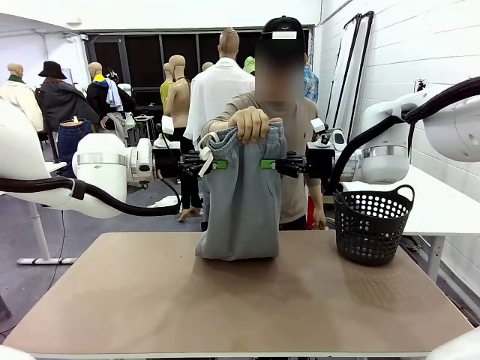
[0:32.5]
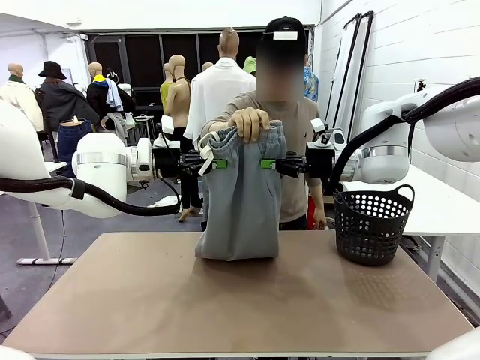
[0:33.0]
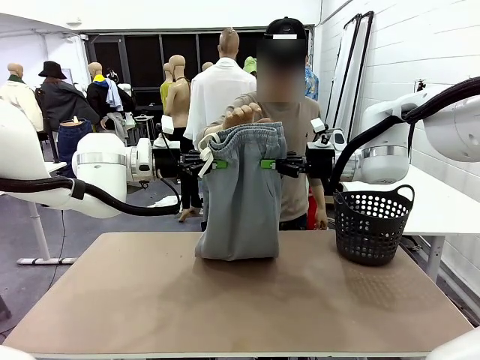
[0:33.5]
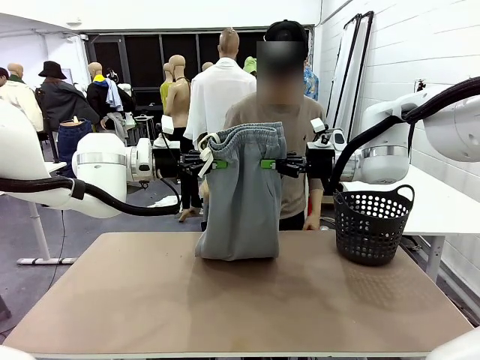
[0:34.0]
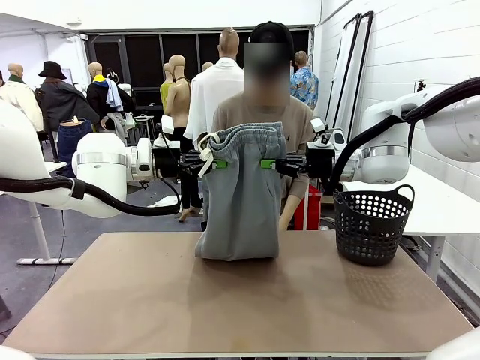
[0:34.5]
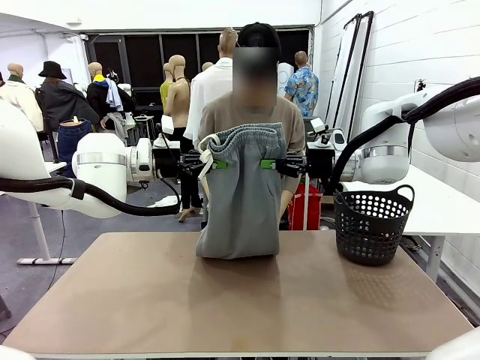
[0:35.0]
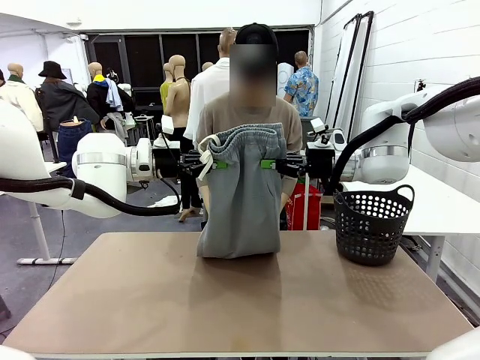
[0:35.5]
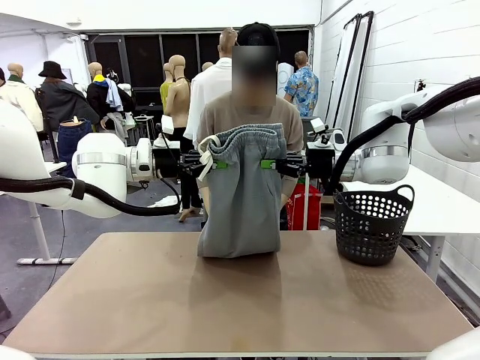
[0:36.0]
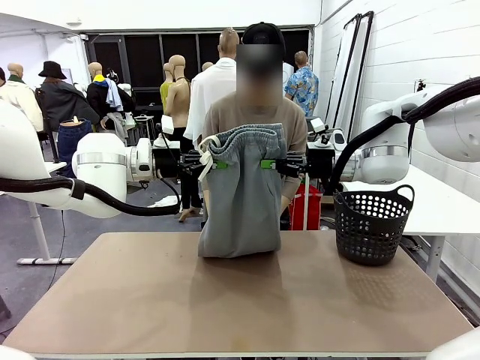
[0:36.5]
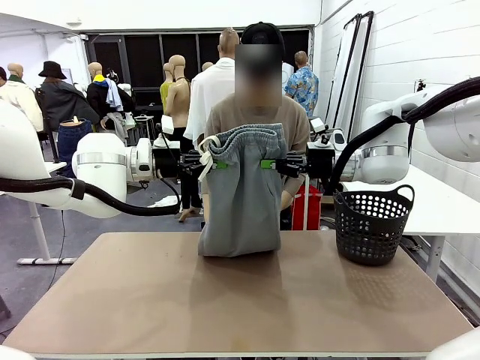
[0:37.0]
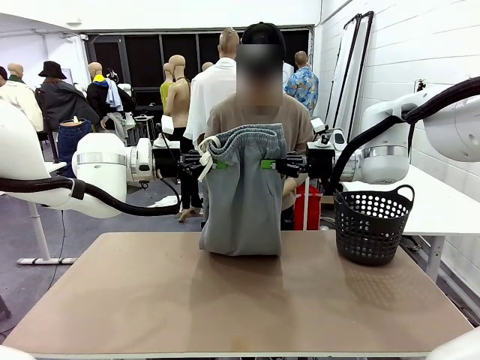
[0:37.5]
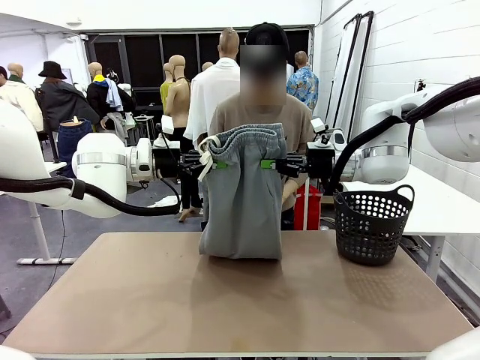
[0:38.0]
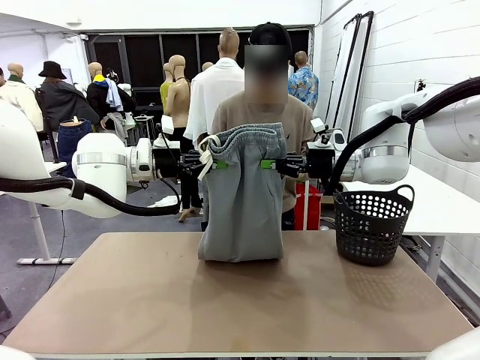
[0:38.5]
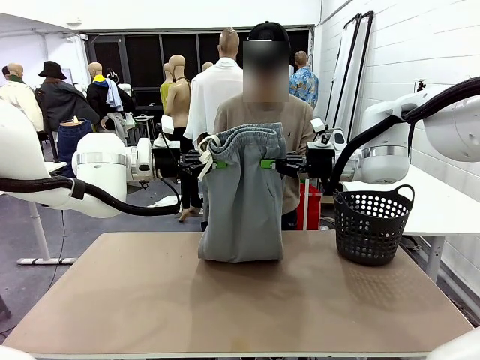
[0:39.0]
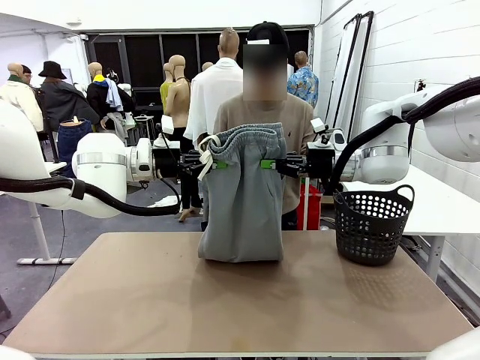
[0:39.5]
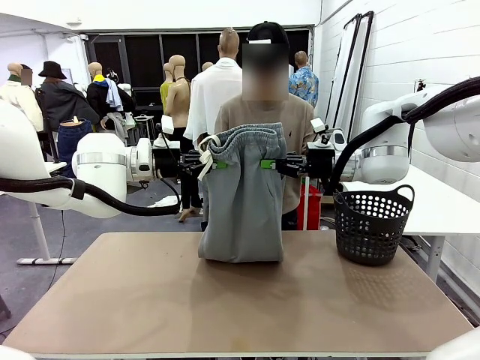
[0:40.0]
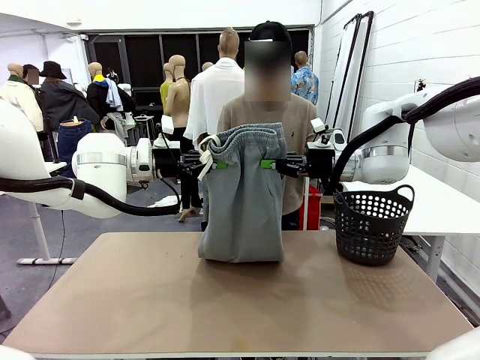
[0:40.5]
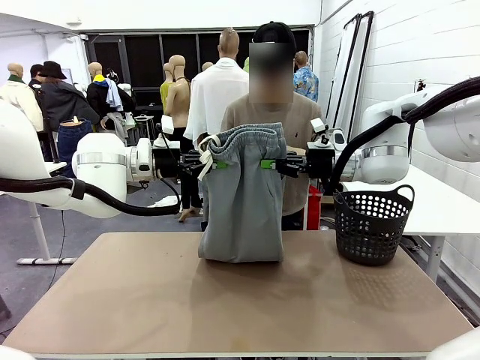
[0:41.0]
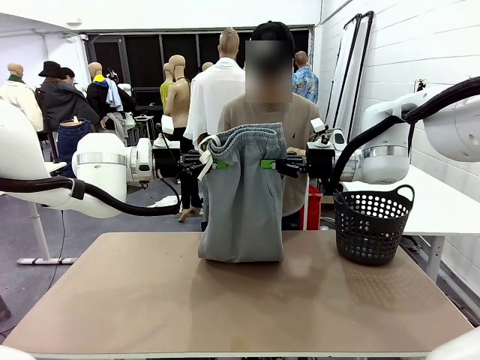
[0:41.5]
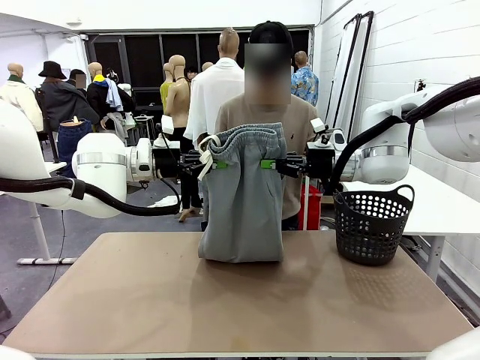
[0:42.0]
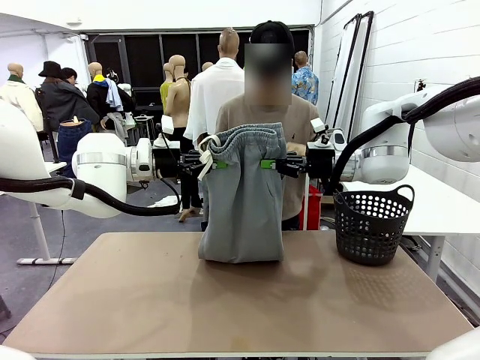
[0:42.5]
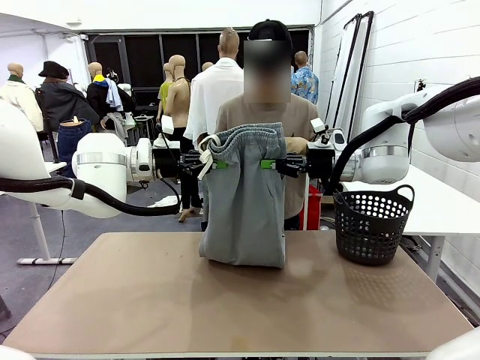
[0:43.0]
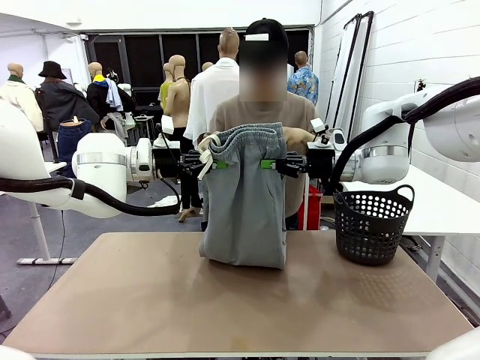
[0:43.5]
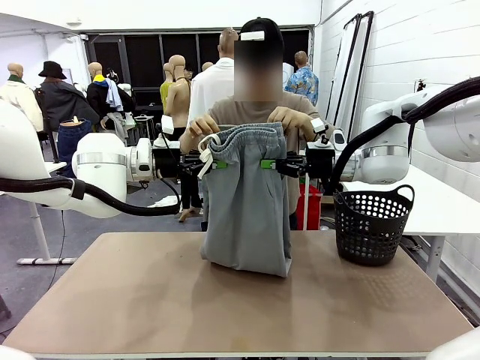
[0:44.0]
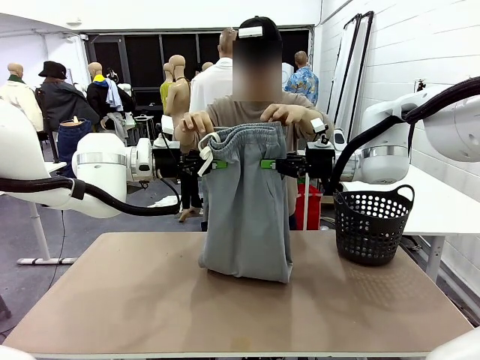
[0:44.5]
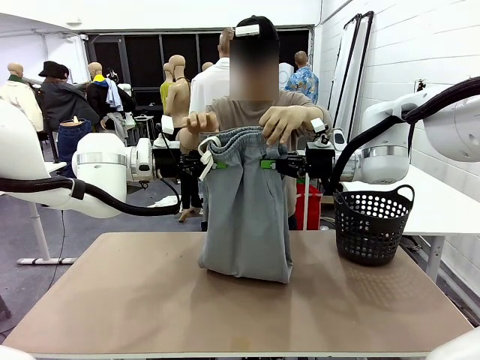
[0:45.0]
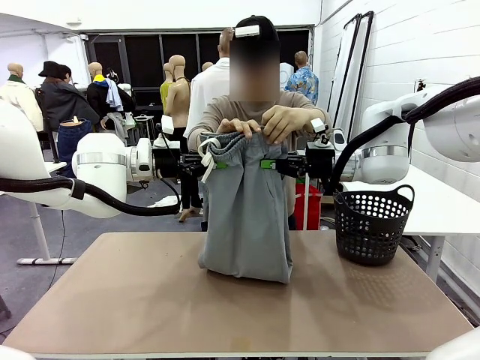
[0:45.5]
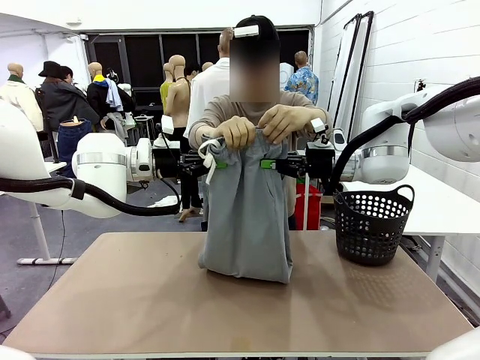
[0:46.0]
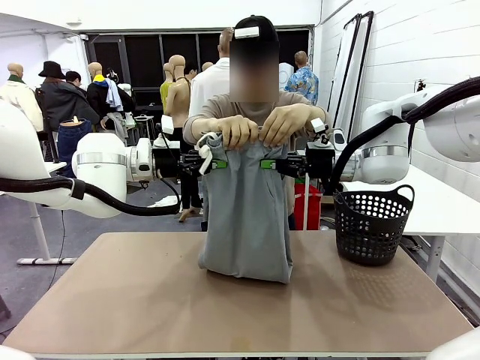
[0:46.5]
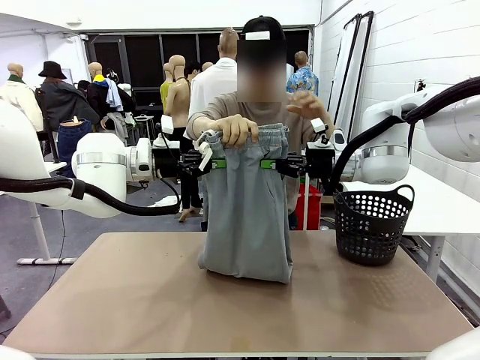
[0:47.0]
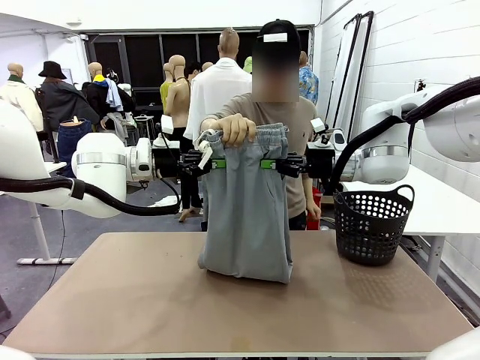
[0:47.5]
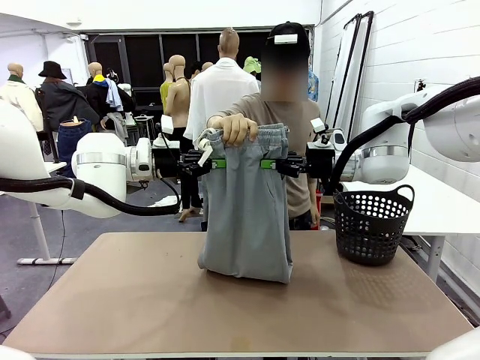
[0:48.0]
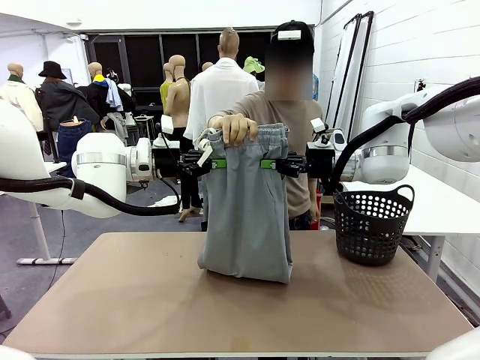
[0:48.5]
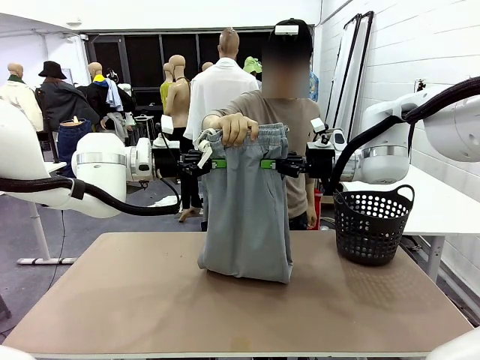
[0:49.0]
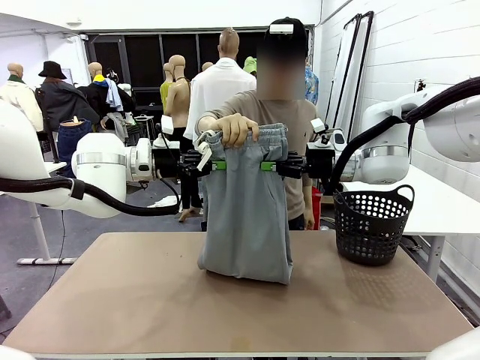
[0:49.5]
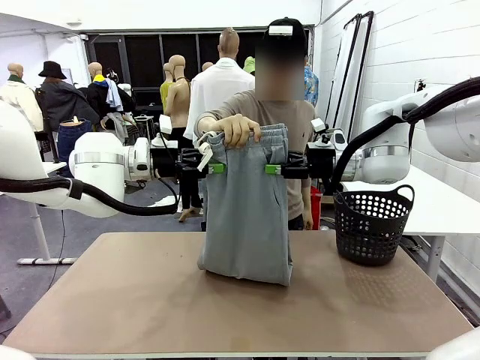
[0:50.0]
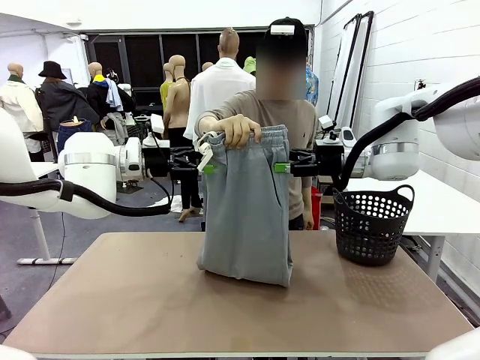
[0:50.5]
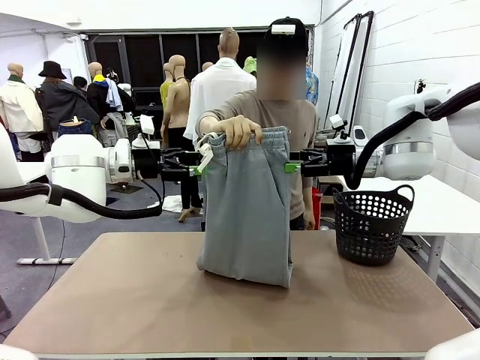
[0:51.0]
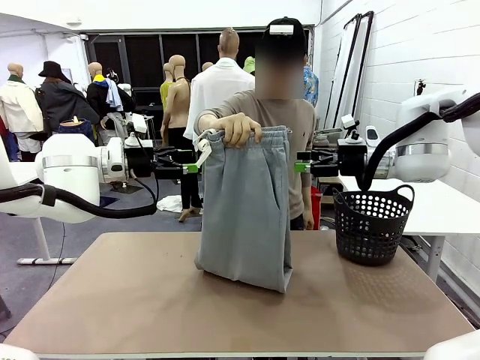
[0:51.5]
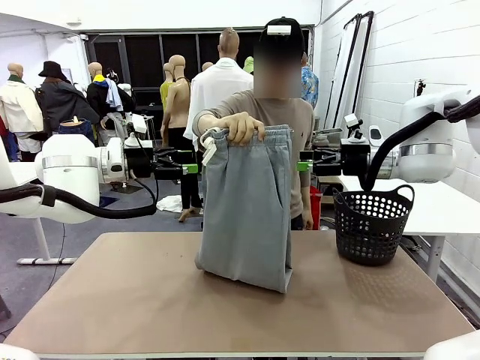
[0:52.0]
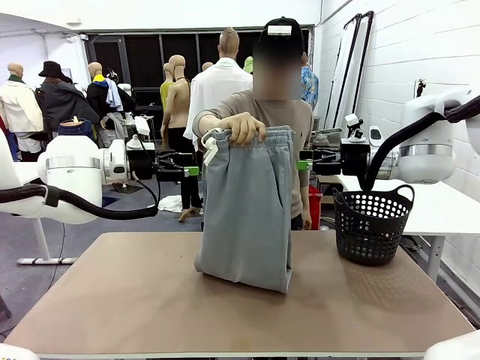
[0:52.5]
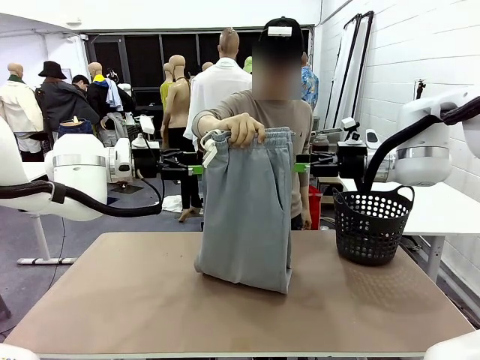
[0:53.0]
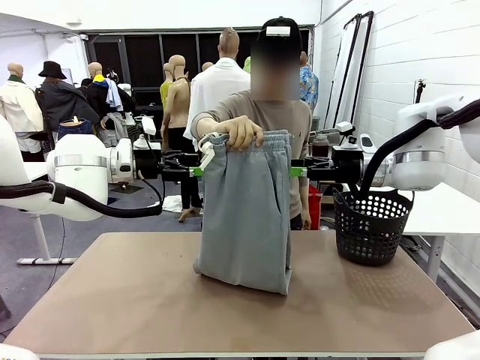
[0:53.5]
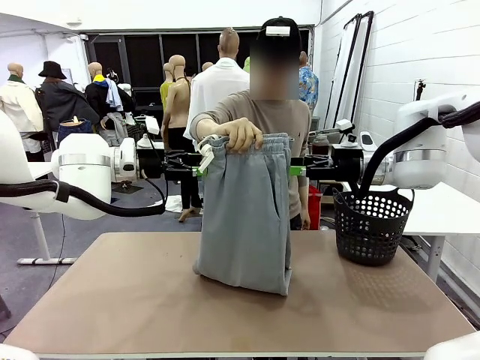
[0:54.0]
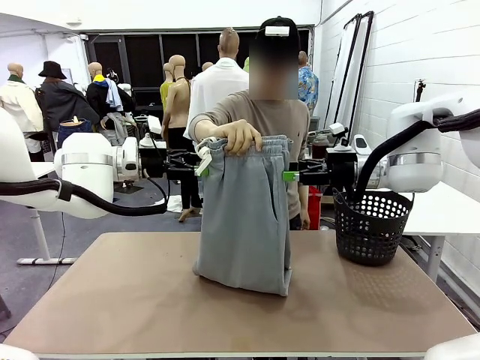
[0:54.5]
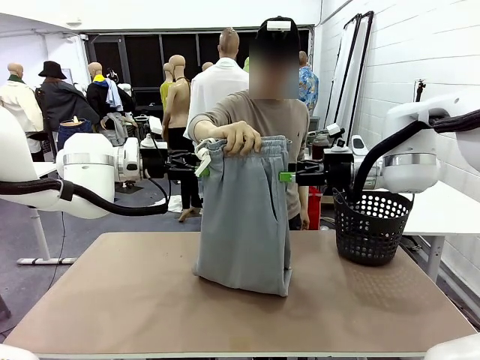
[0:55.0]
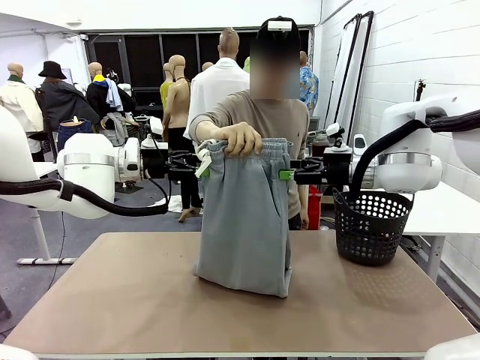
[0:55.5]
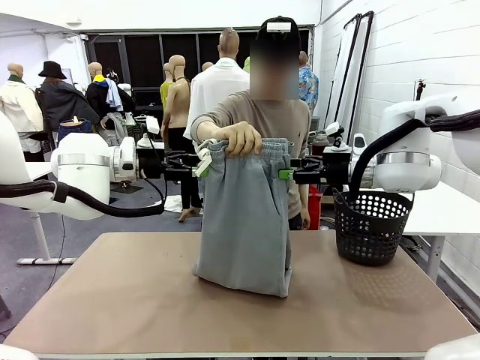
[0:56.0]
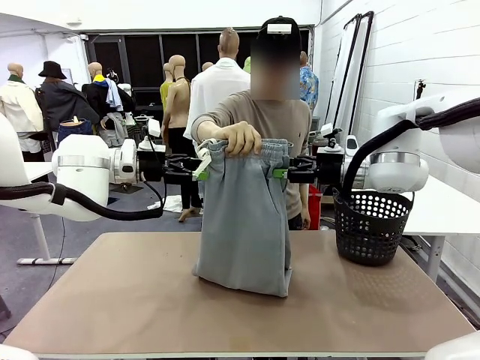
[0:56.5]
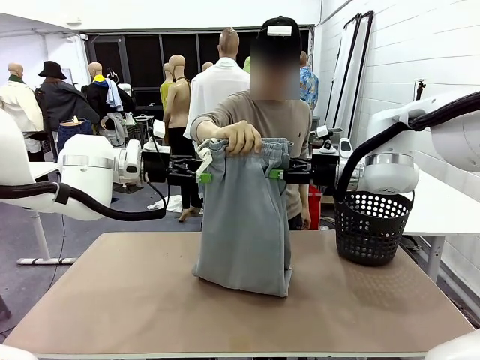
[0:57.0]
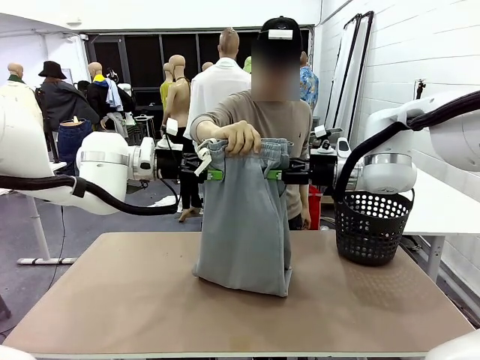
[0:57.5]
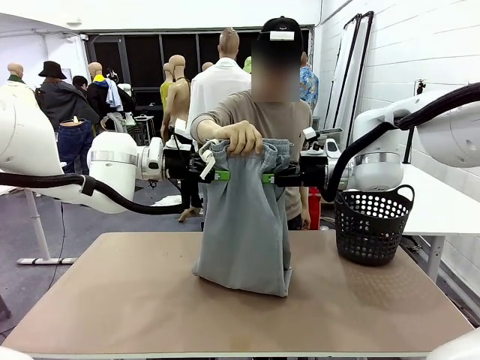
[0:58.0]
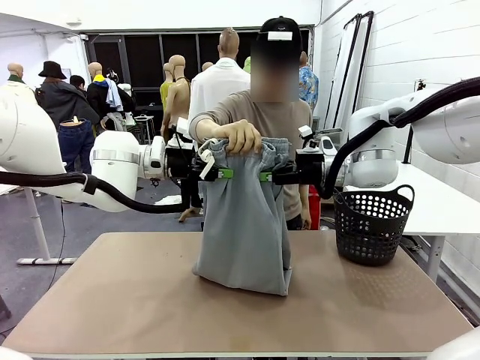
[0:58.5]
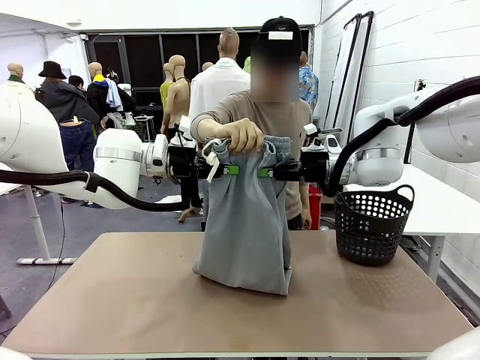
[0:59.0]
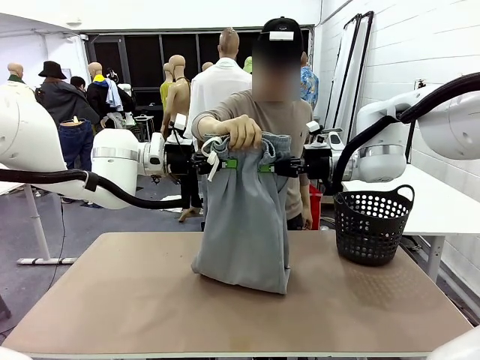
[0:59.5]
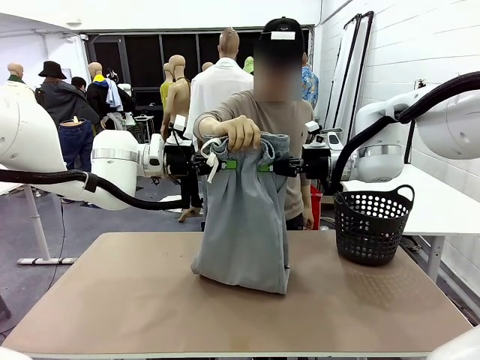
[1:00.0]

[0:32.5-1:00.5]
Task: Fold the training pants.
Robot: Release the ends of the Training pants and then grab the overlapped ends.
Person: Grasp the end opposite the point the robot is holding, fold the pants in half, and then grasp the overlapping top end of the folded pants. Release the pants you were holding.
